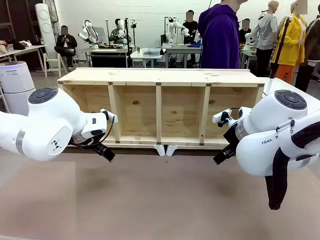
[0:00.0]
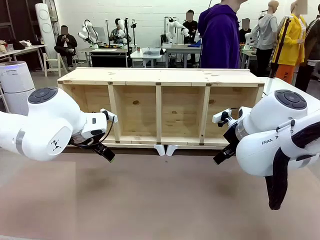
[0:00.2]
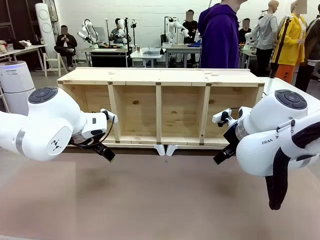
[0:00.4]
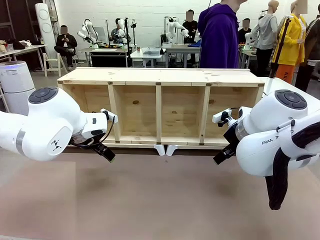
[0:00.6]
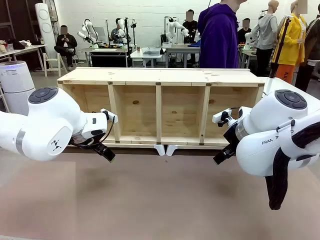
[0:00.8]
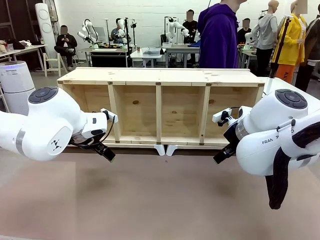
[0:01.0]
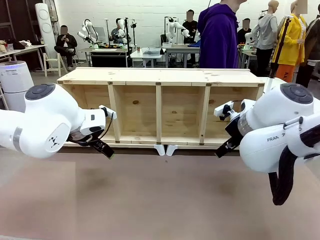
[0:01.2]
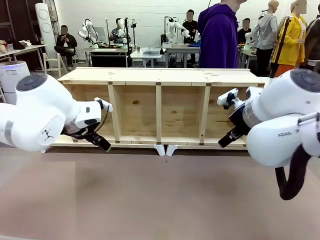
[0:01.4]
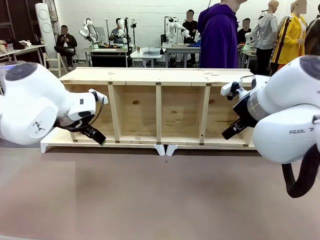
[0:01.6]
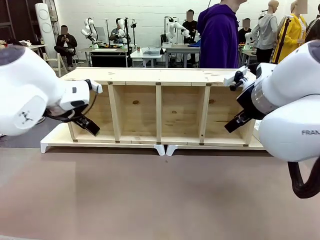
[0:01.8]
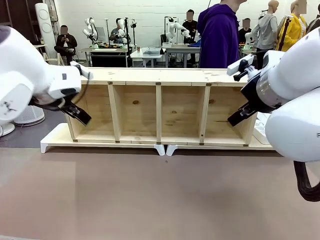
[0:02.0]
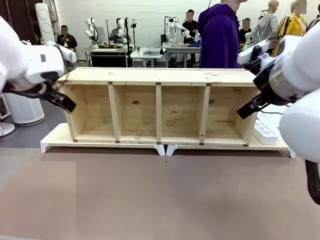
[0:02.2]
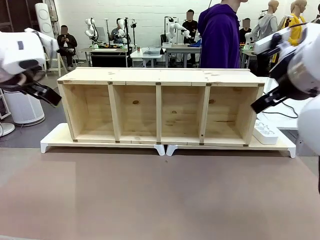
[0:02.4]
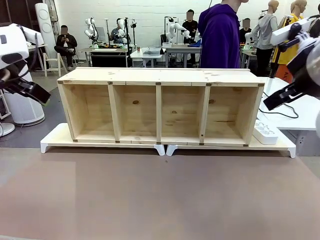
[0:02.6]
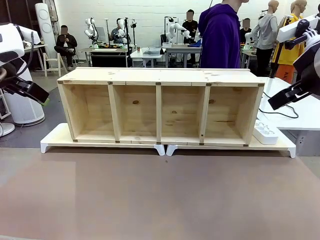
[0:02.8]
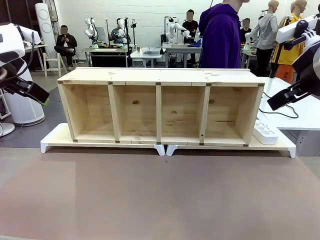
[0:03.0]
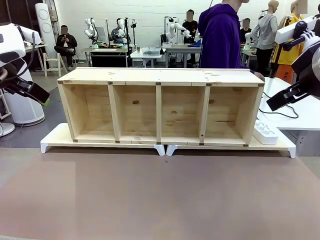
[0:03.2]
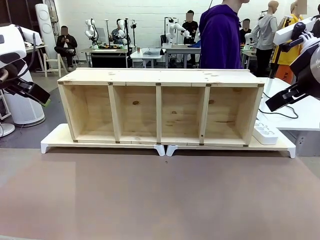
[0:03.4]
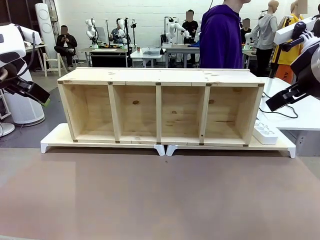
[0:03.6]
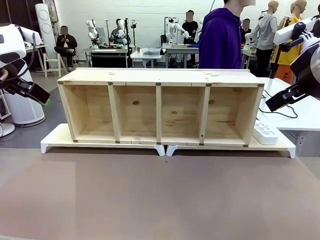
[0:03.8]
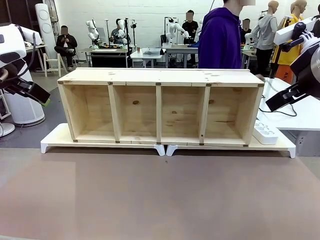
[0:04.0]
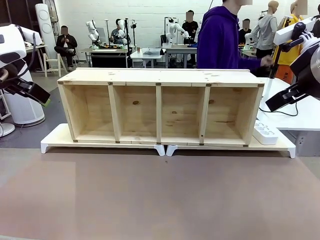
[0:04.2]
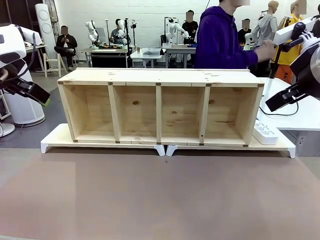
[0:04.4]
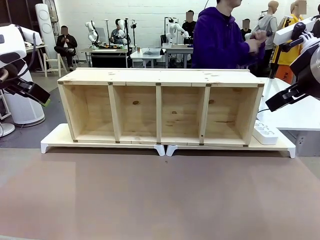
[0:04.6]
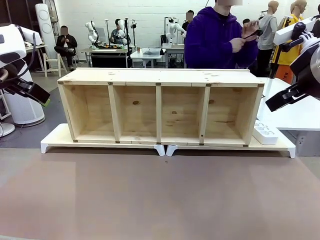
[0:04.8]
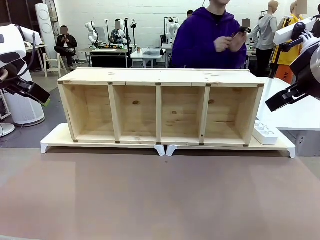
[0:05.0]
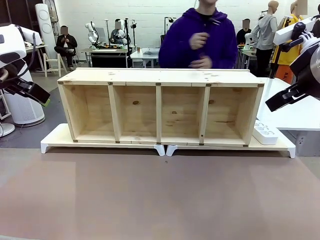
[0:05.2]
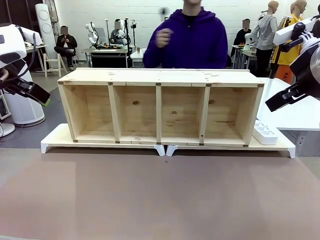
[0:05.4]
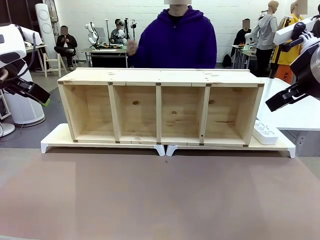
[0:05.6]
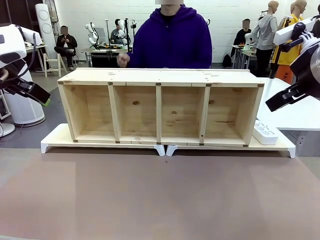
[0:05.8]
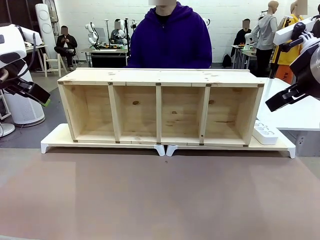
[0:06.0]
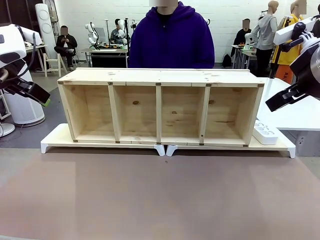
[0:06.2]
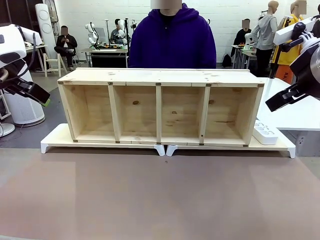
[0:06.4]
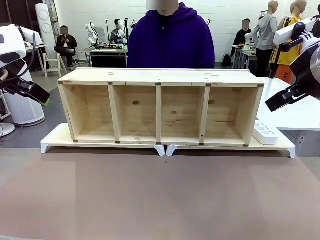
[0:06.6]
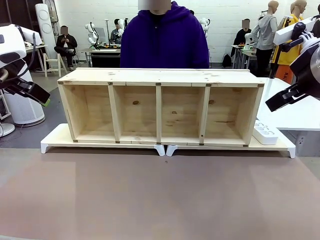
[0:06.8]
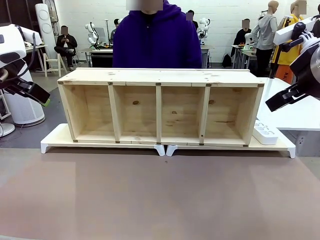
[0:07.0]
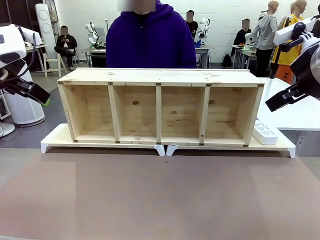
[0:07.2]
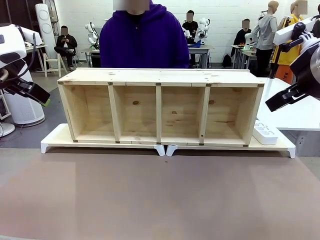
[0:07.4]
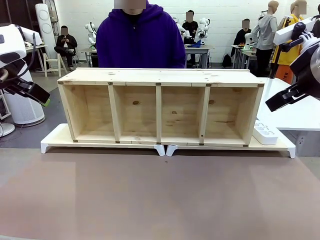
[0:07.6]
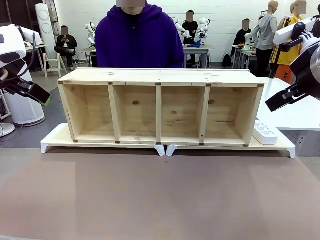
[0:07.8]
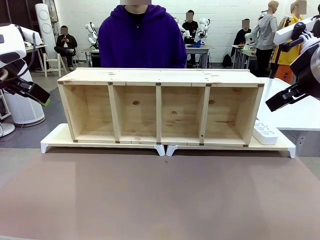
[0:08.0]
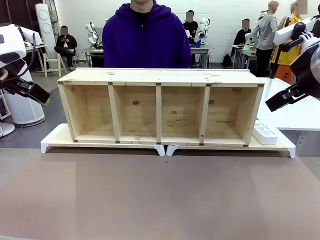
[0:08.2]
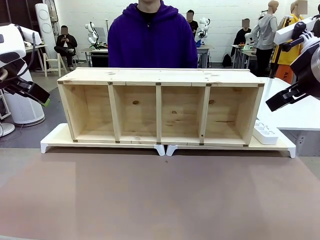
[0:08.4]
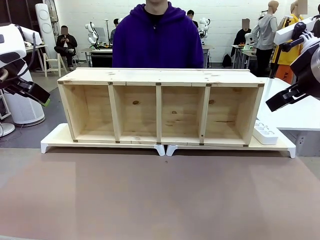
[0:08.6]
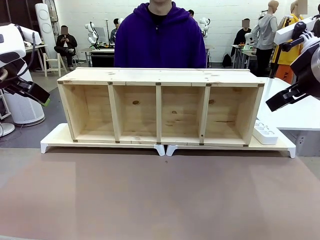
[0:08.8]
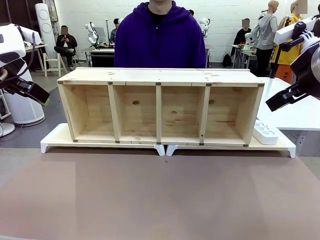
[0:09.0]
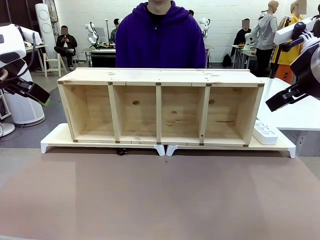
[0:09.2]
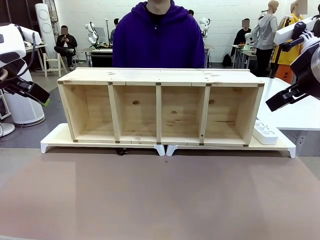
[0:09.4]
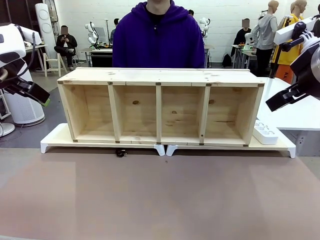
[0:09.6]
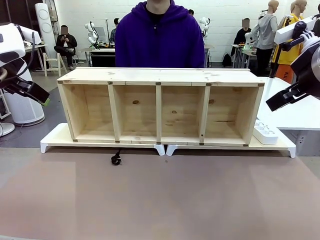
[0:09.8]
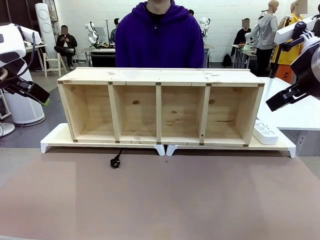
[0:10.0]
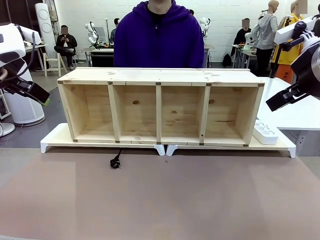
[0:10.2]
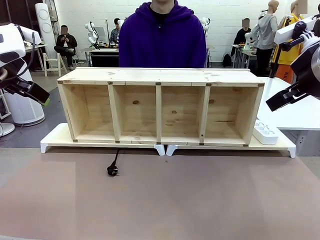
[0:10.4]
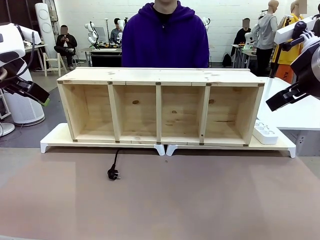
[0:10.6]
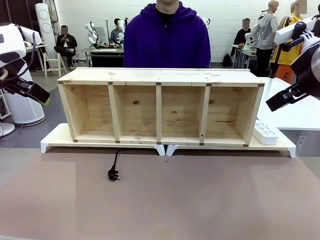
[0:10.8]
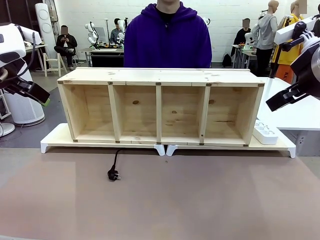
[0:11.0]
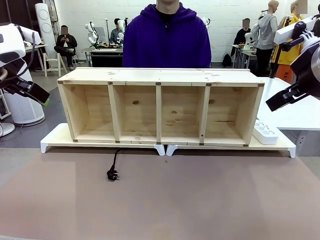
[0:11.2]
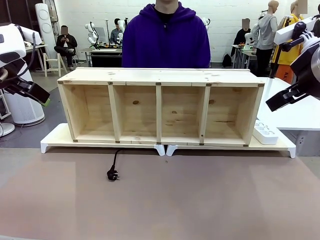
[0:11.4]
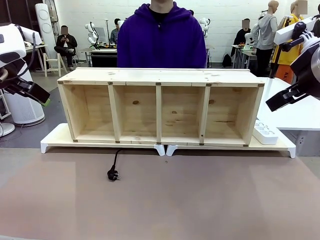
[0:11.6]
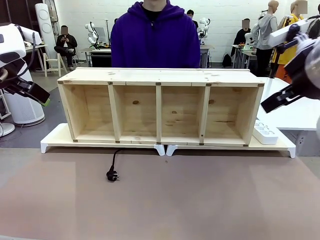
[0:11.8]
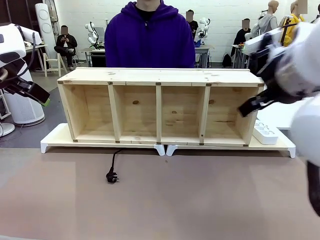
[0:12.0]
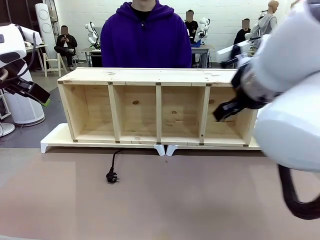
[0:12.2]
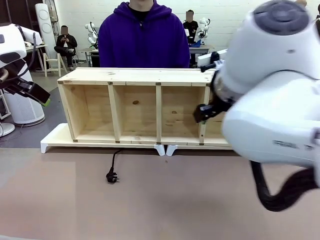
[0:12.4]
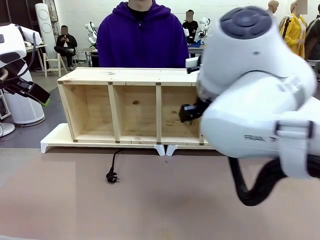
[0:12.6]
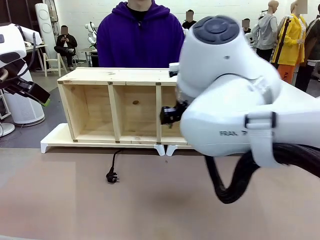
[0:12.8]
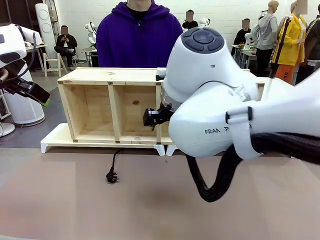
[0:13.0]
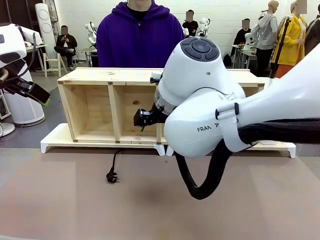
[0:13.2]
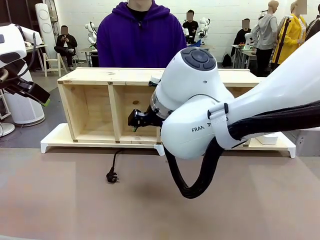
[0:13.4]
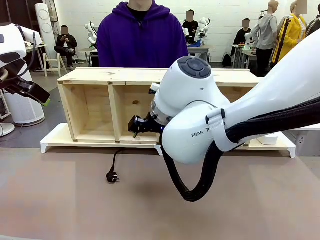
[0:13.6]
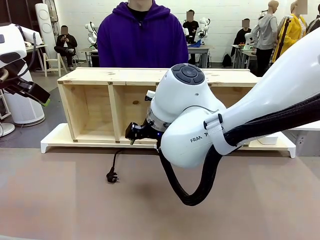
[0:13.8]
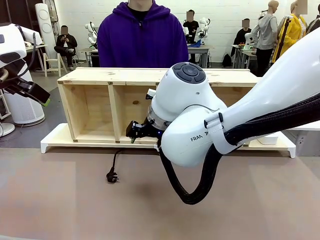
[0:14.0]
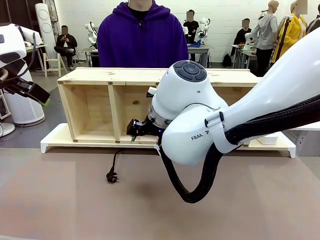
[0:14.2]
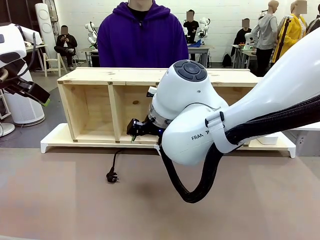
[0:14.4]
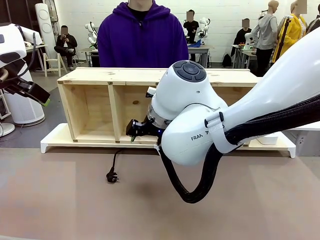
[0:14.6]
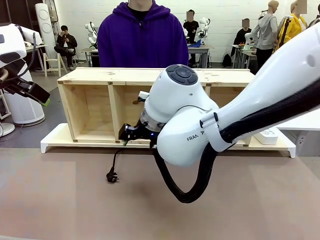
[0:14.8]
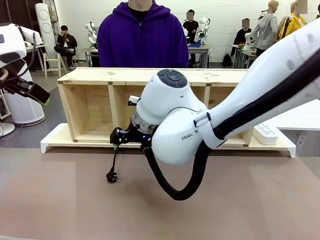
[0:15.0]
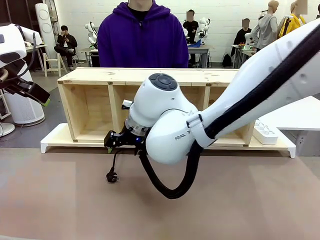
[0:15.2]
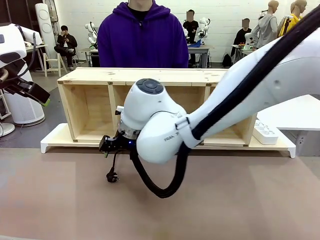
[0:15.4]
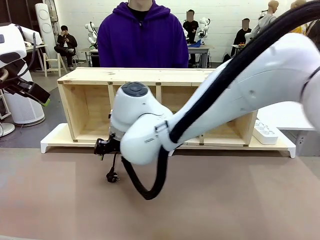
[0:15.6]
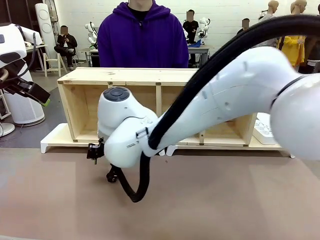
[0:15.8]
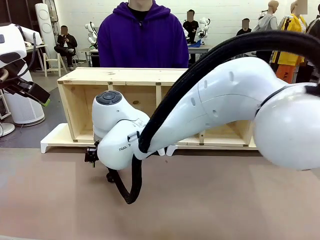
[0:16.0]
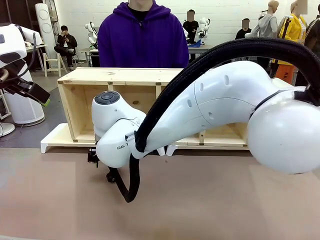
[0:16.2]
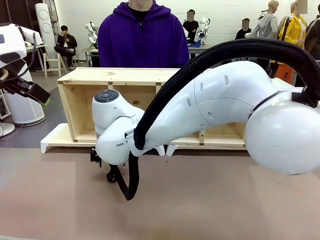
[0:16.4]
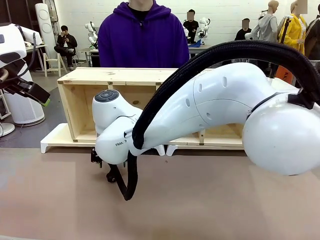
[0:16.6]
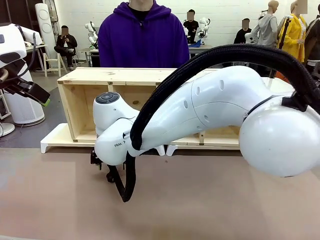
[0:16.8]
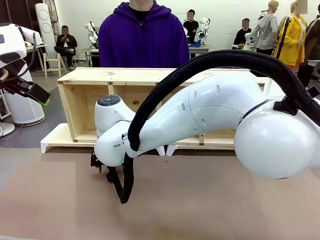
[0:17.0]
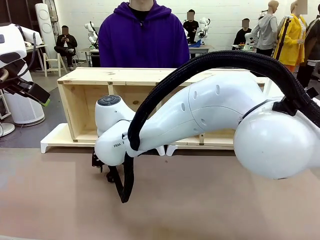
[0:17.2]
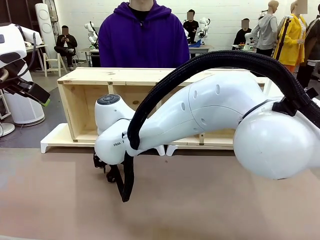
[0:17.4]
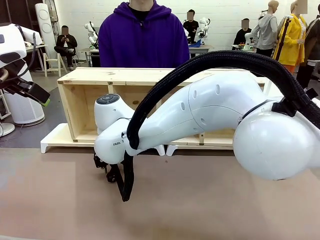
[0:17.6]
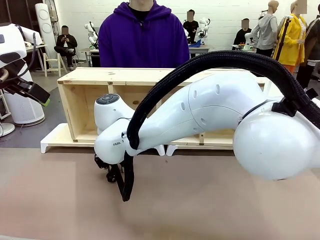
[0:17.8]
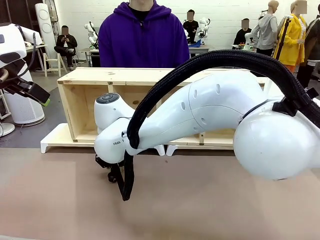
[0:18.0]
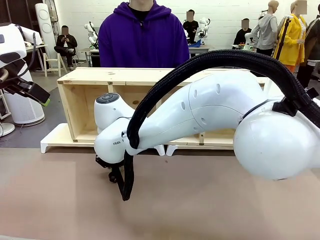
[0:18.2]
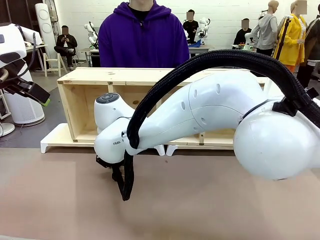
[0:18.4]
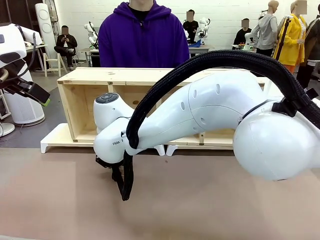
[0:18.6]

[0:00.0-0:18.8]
Task: Perform cable management.
Robot: When the cord part of the Power Cable appears at the lower middle area of the table and stops, grasp the cord part of the Power Cable.
Person: Pass the Power Cable under the Serving Table.
